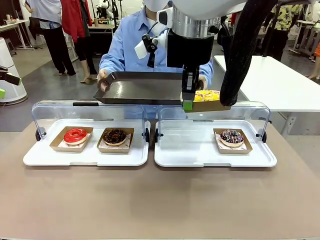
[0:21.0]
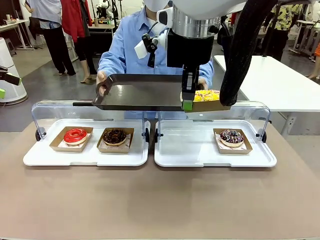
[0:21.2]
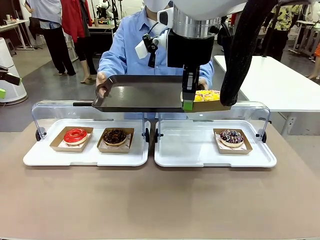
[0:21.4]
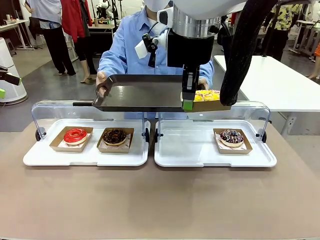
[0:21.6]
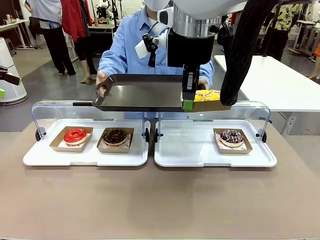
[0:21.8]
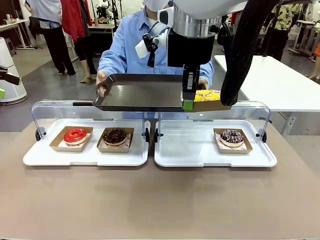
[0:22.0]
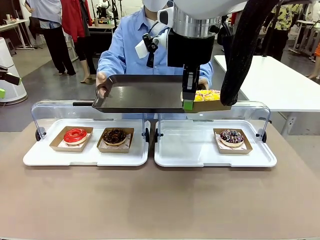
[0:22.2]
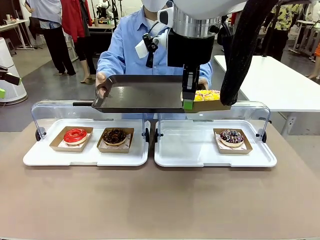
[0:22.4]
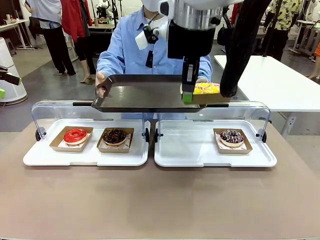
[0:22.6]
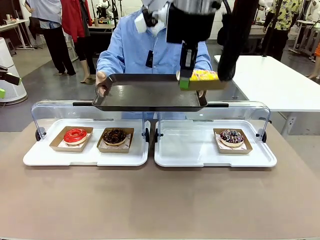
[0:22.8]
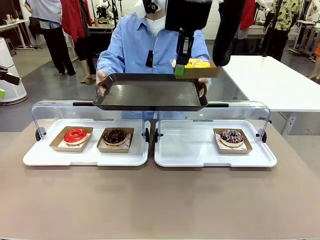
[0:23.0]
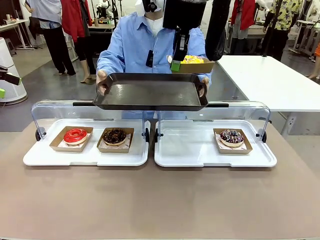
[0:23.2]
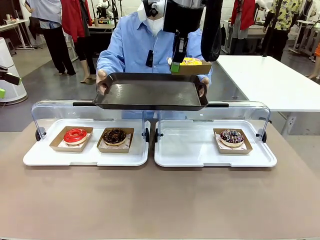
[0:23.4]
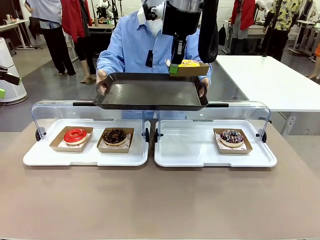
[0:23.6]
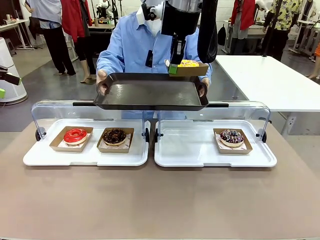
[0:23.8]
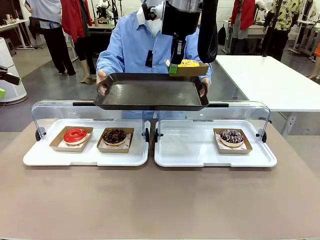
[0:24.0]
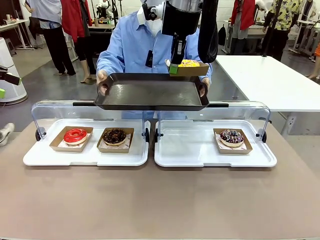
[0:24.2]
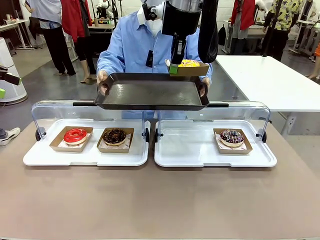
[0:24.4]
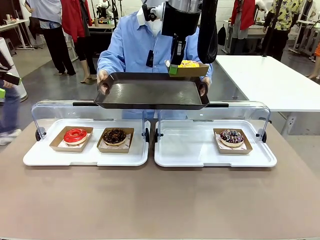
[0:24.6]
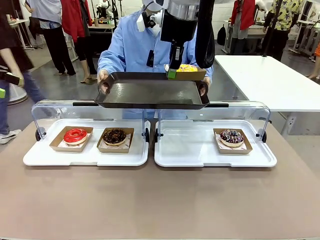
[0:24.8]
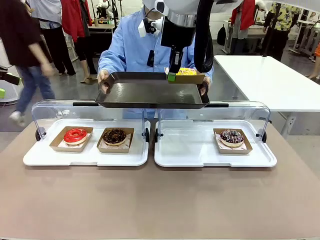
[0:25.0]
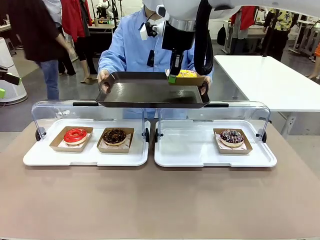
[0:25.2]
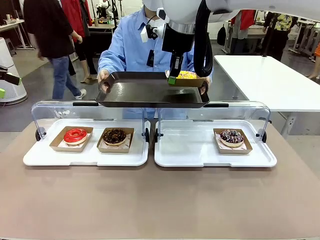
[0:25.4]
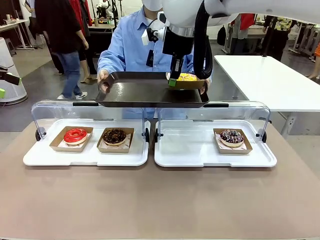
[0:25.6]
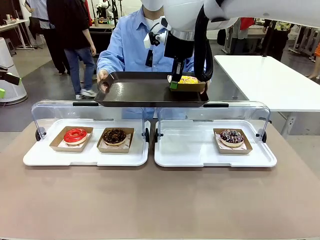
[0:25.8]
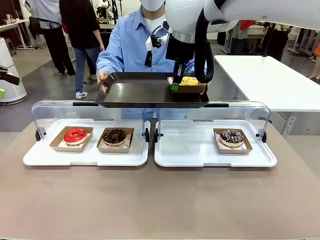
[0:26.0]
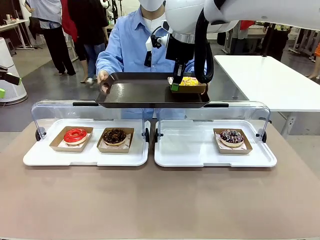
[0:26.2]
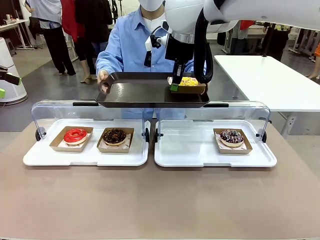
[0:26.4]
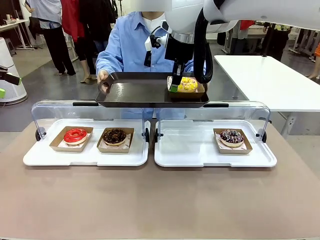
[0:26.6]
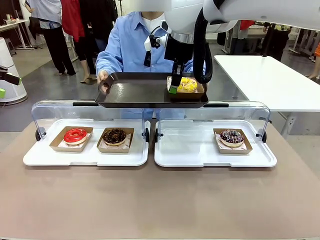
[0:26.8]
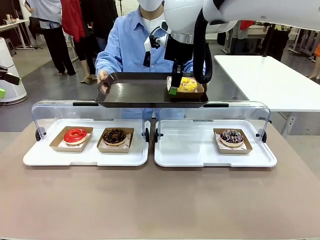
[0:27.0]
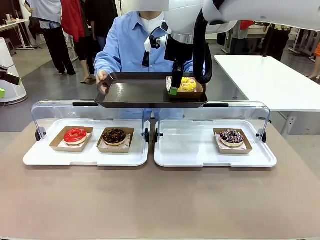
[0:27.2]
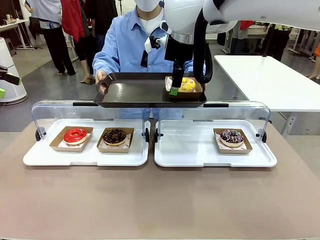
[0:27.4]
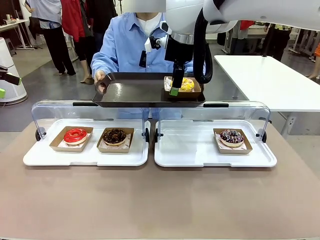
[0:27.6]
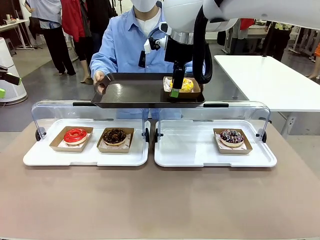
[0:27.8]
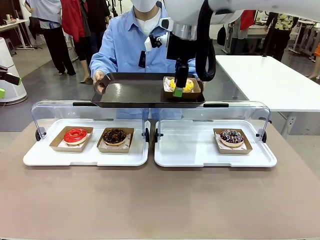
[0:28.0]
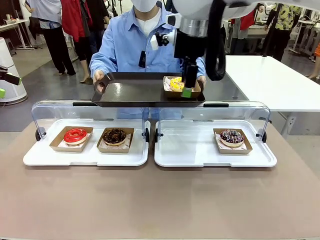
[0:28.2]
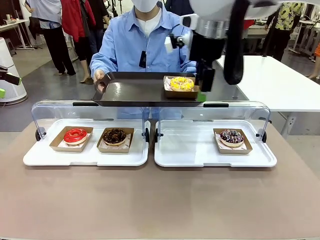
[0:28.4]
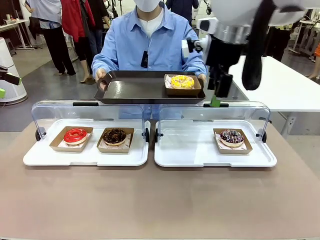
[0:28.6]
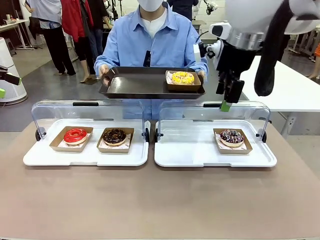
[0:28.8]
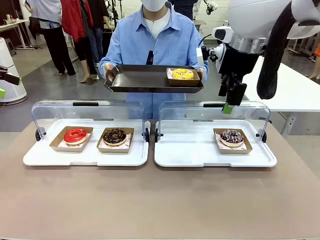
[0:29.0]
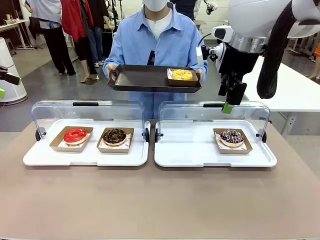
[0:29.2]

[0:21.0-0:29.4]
Task: Provide the desired donut to the person.
Robot: Place the picked Paper togo box onto the Handle tray extended by the person.

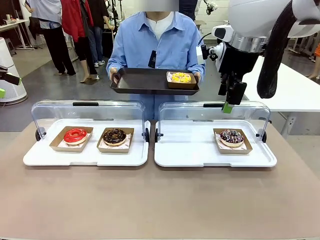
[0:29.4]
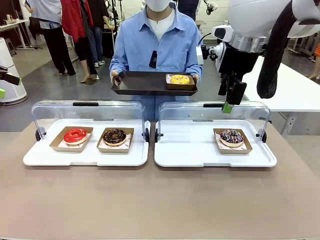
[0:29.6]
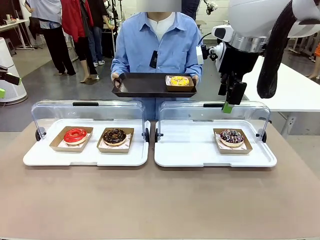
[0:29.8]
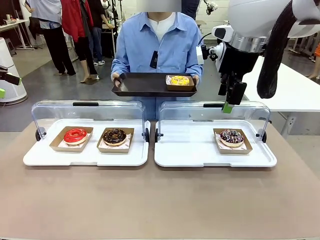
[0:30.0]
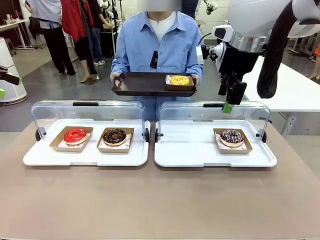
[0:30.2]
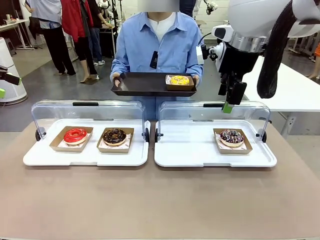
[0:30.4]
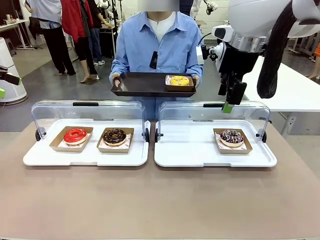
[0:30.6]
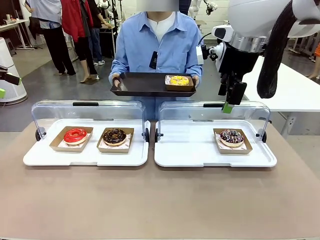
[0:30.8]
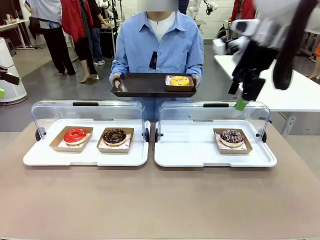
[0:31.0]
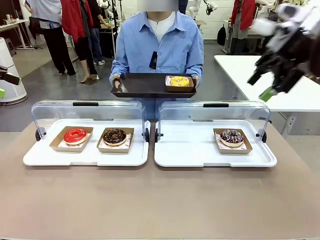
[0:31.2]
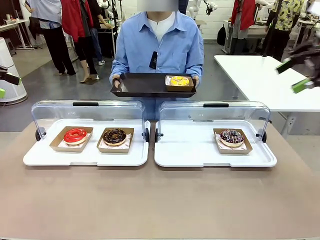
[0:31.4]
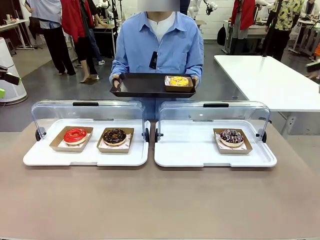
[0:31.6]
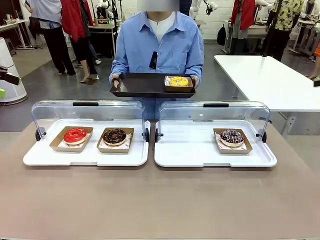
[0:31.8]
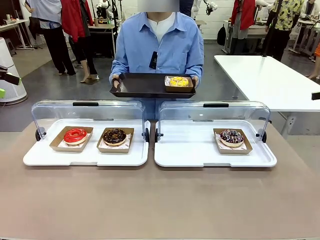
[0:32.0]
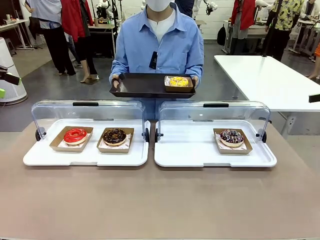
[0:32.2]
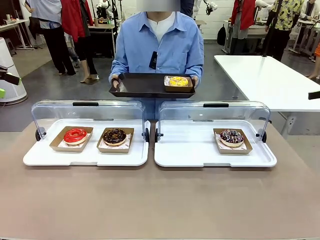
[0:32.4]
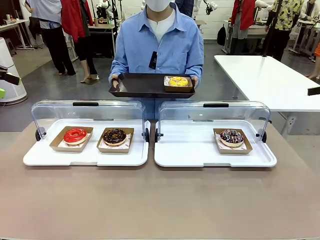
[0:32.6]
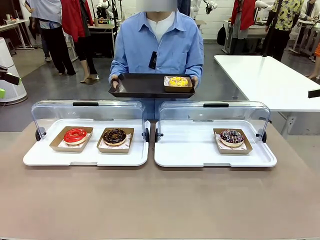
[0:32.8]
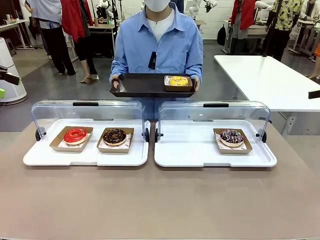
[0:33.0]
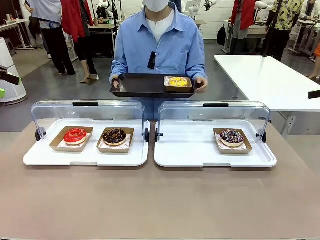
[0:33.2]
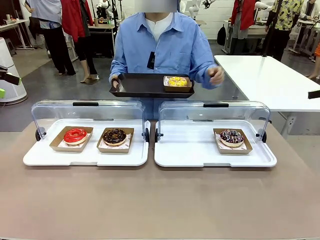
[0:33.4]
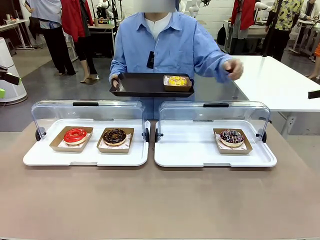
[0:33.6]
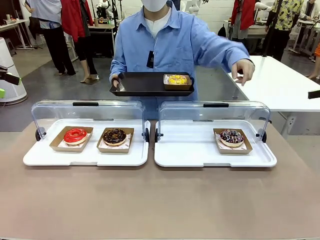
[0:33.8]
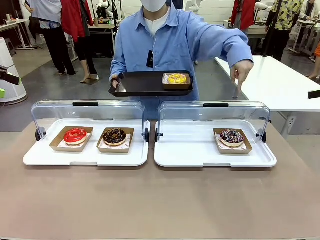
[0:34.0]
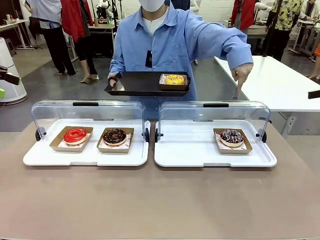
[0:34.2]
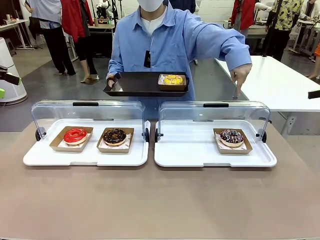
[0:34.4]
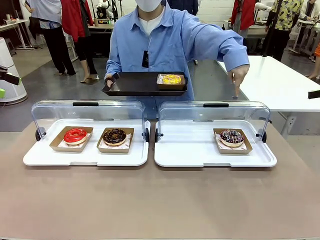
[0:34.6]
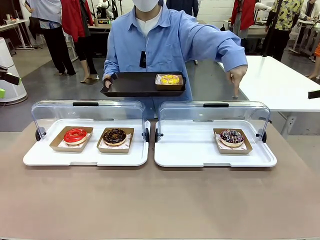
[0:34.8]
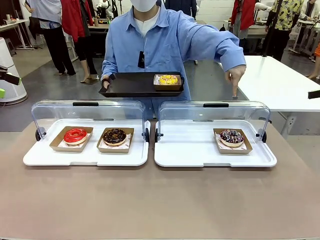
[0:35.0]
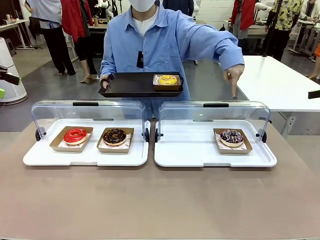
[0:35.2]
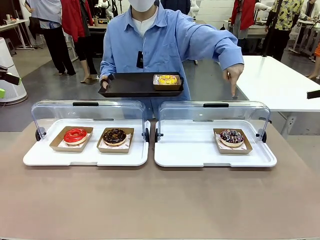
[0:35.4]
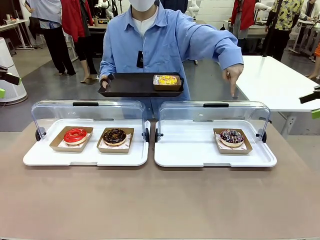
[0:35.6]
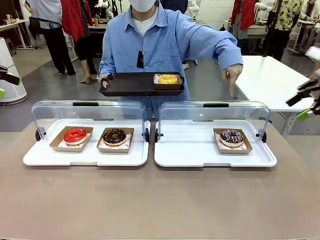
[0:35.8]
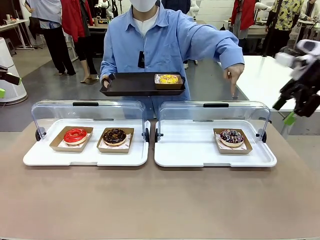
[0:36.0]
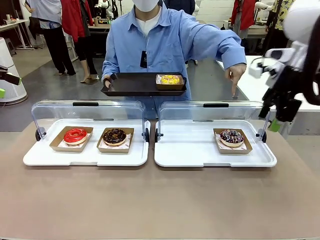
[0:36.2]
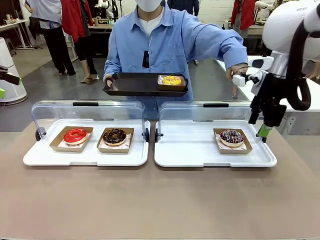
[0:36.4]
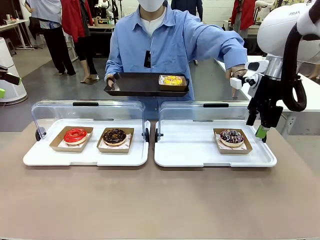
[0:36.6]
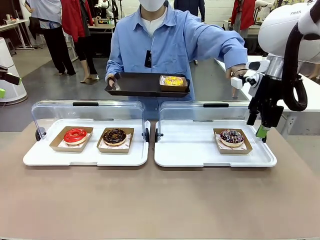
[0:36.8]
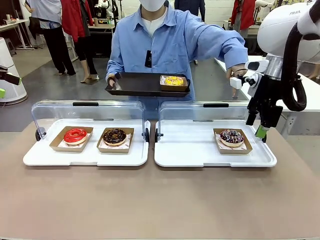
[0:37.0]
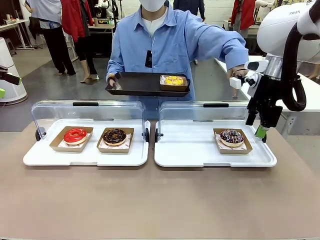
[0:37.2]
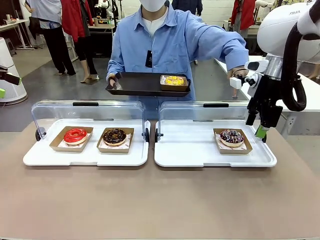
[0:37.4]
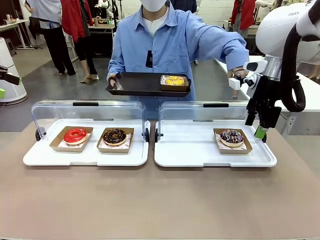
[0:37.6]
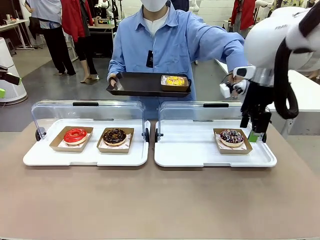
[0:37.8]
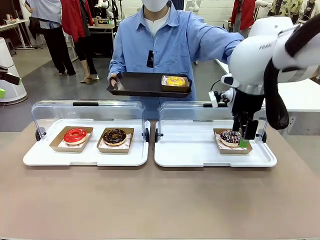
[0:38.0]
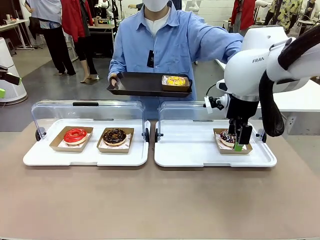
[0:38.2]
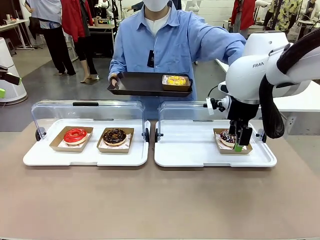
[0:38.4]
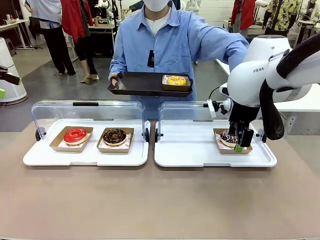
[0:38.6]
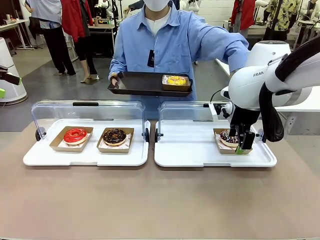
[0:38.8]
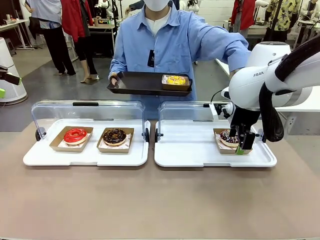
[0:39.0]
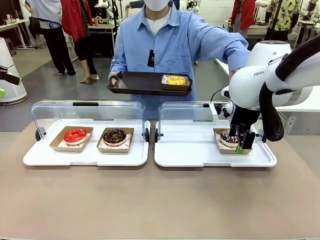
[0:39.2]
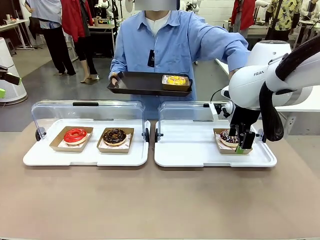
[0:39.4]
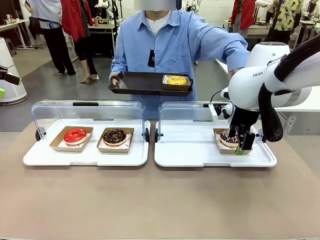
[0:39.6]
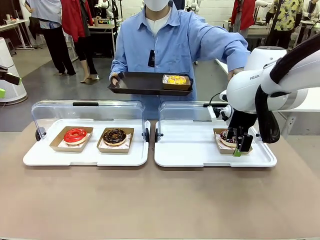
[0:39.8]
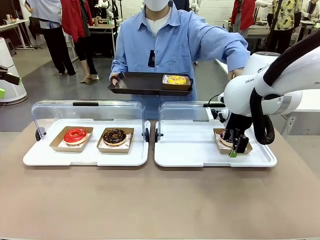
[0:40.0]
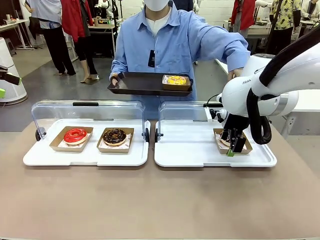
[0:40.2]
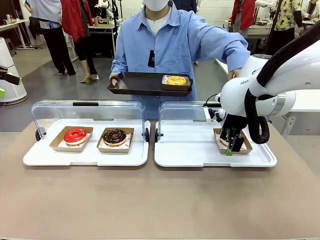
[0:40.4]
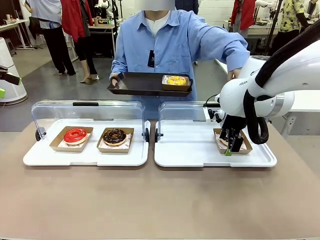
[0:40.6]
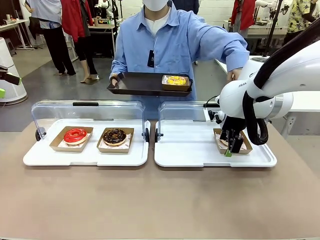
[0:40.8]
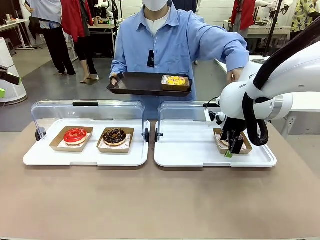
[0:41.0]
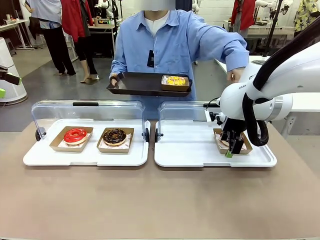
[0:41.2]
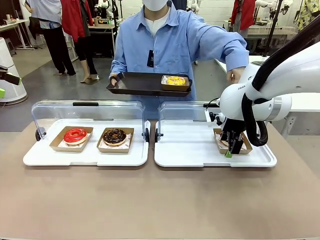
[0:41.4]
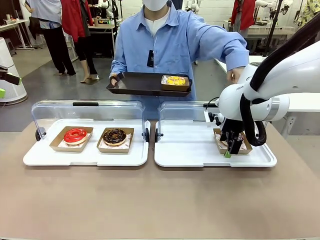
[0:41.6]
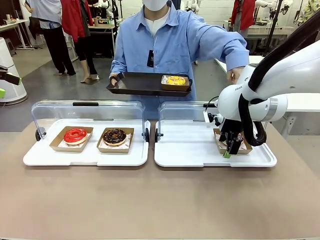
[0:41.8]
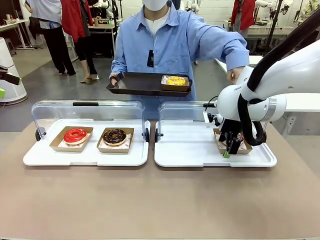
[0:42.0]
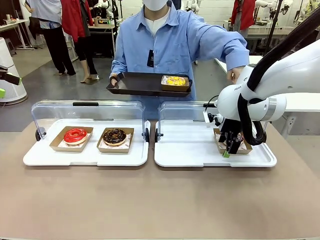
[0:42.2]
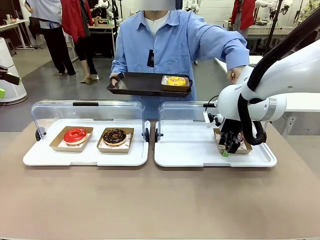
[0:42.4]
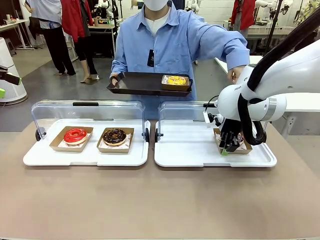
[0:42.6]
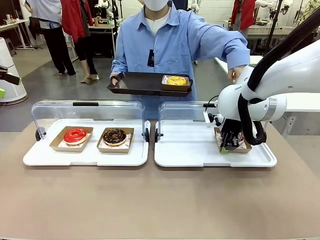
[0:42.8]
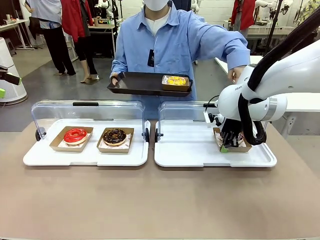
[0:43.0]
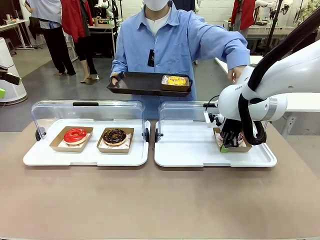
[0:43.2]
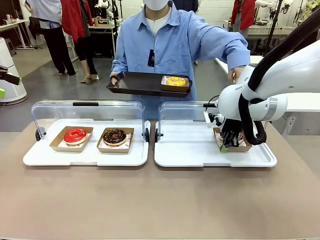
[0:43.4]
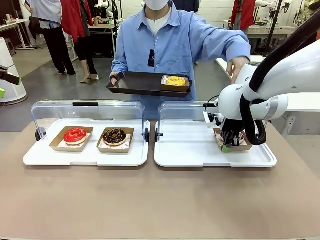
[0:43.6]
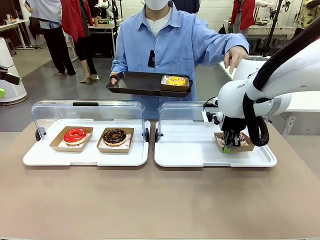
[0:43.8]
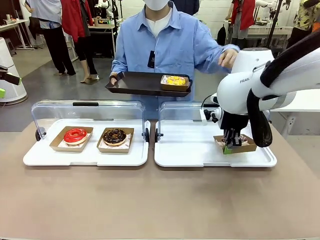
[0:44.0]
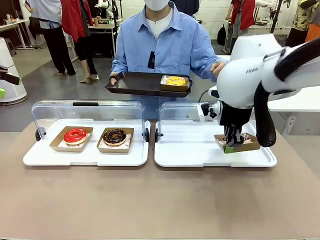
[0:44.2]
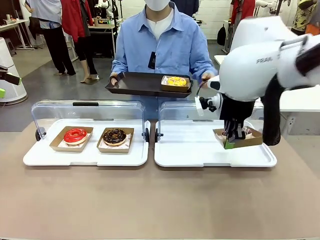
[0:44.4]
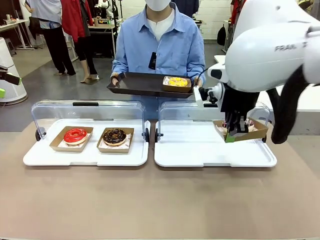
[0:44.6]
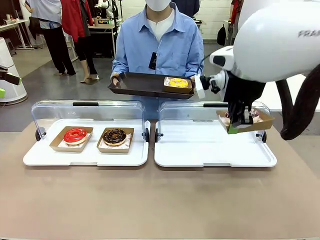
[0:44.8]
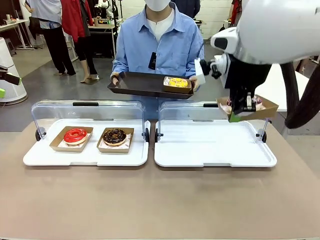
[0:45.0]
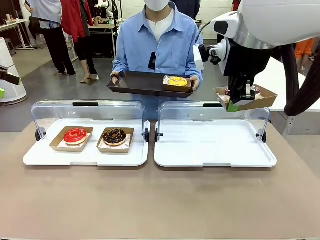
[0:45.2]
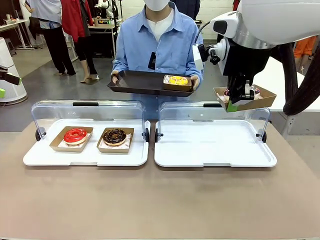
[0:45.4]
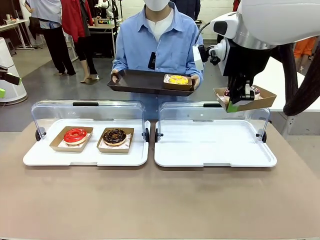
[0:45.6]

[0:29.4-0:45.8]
Robot: Pick up and lift the Paper togo box containing the Donut pointed at by the person.
Person: Point to one donut. Lift the tray onto the Roll-Top Bakery Case.
